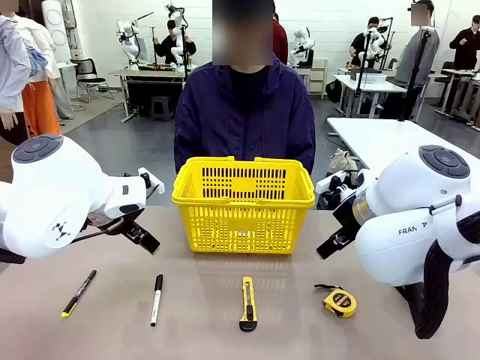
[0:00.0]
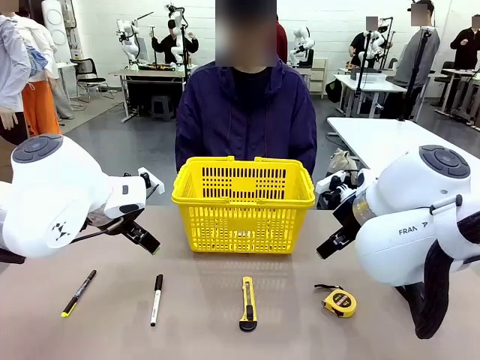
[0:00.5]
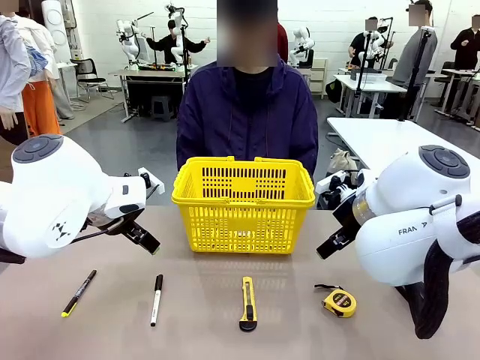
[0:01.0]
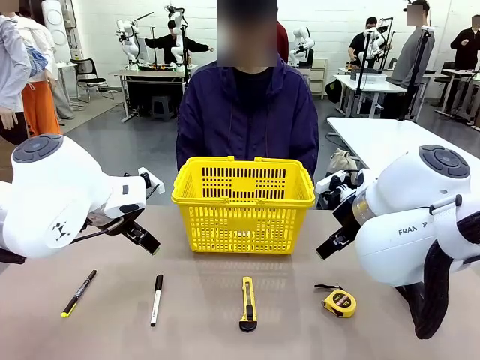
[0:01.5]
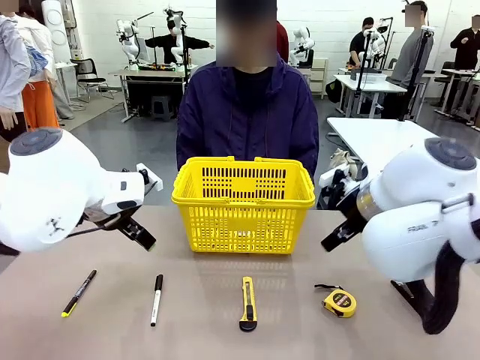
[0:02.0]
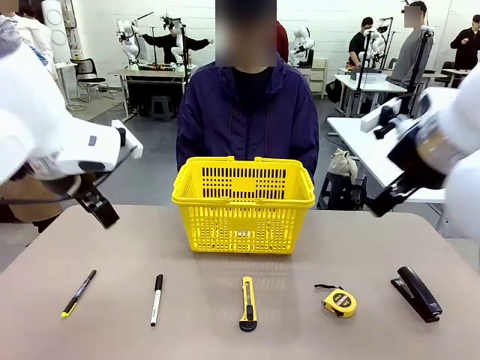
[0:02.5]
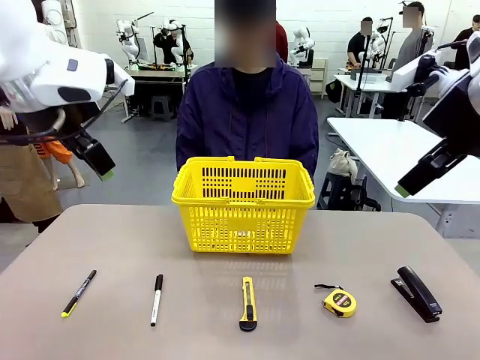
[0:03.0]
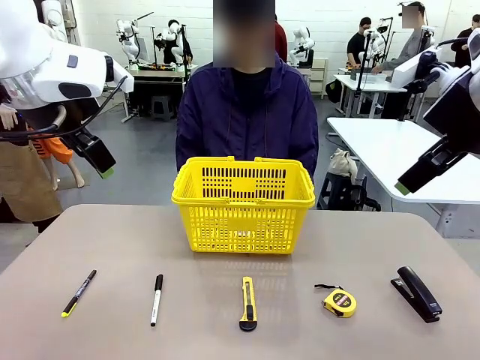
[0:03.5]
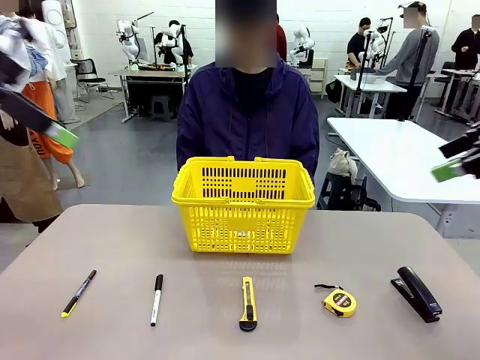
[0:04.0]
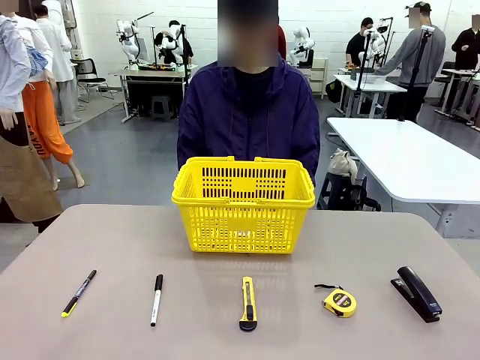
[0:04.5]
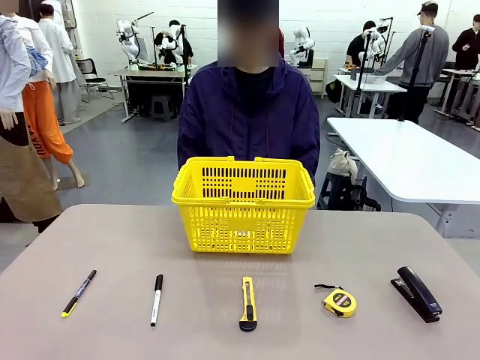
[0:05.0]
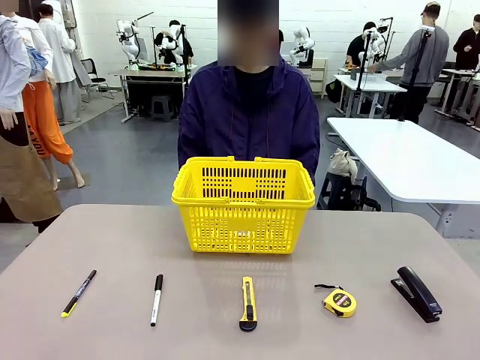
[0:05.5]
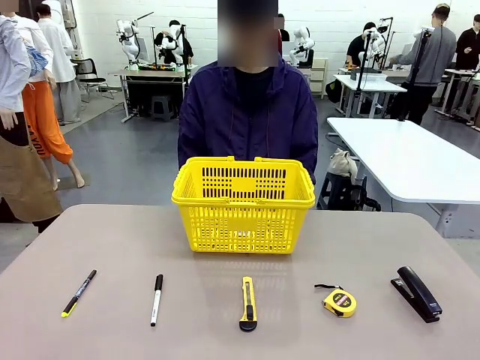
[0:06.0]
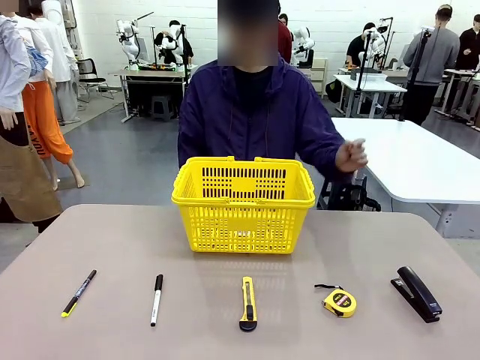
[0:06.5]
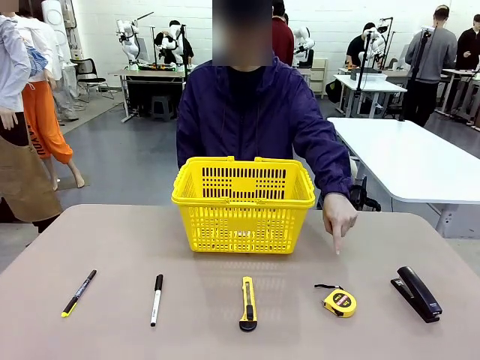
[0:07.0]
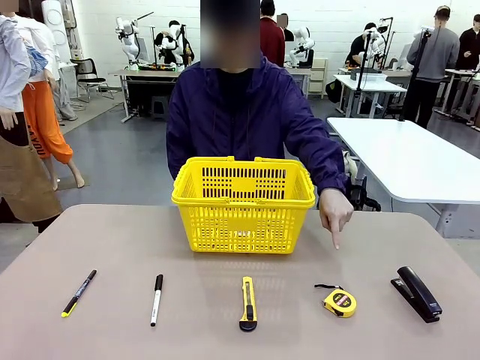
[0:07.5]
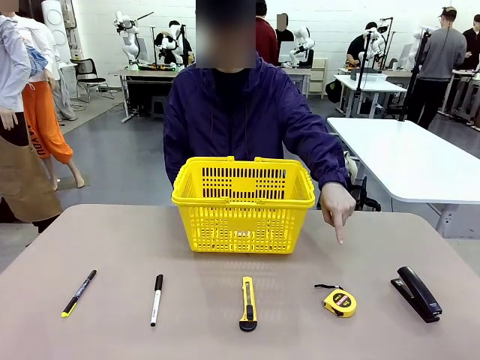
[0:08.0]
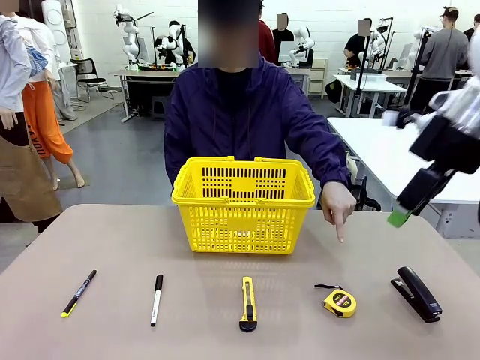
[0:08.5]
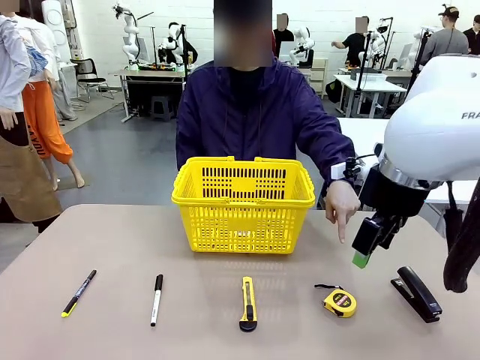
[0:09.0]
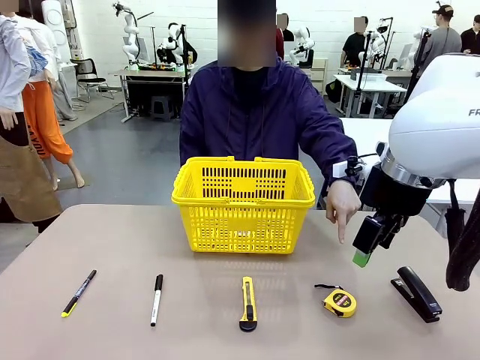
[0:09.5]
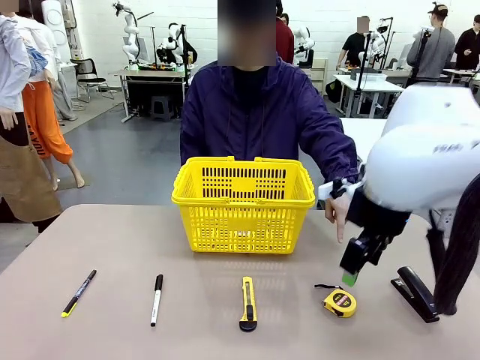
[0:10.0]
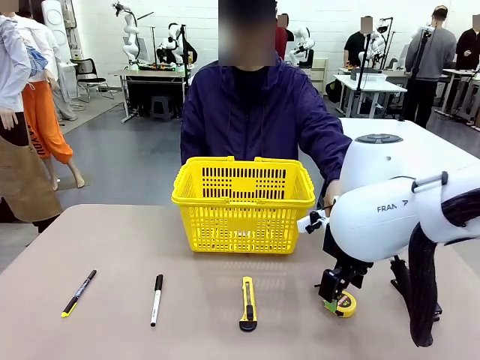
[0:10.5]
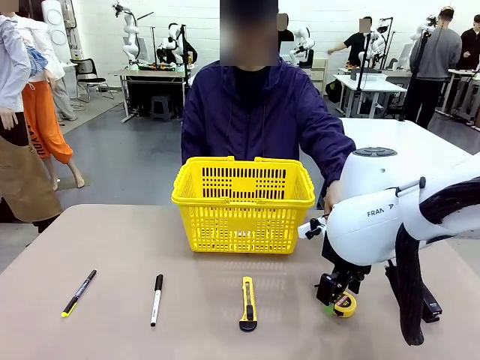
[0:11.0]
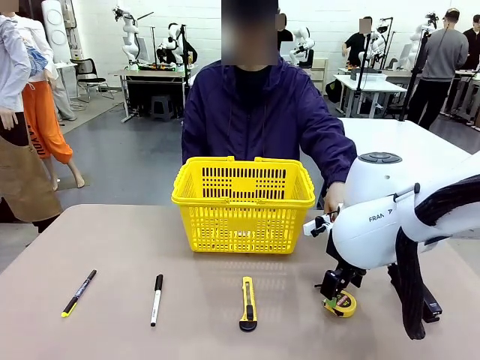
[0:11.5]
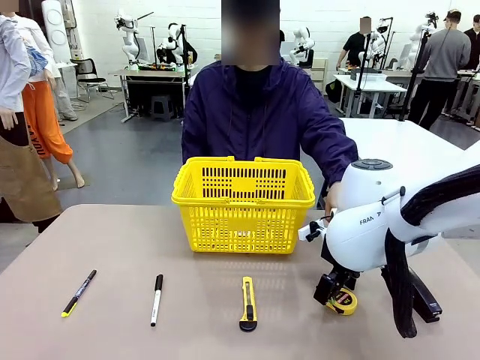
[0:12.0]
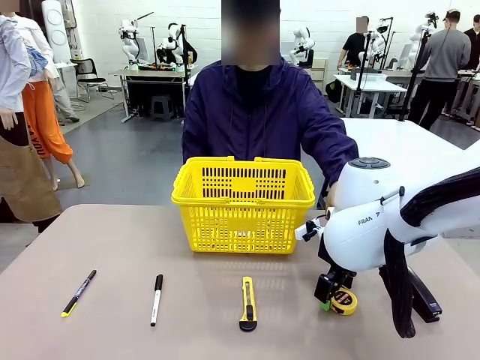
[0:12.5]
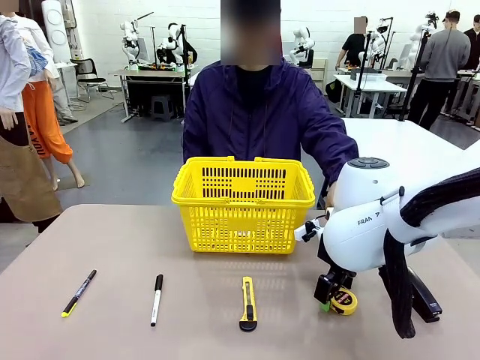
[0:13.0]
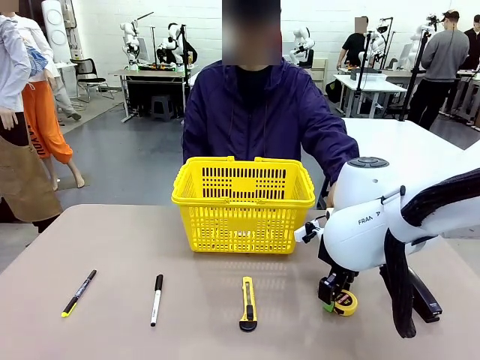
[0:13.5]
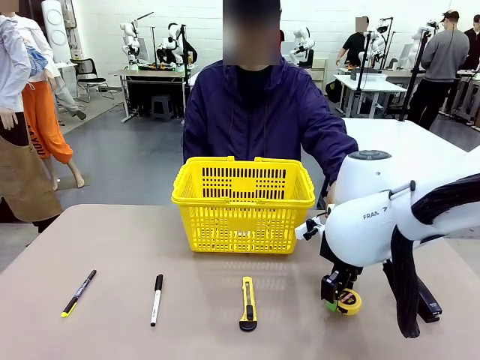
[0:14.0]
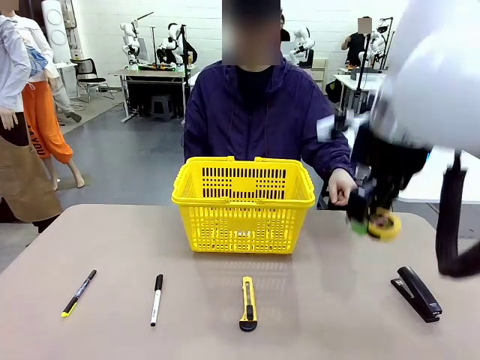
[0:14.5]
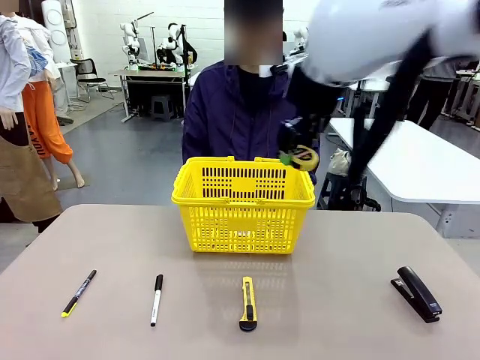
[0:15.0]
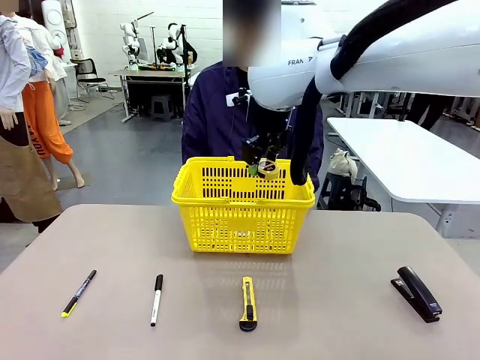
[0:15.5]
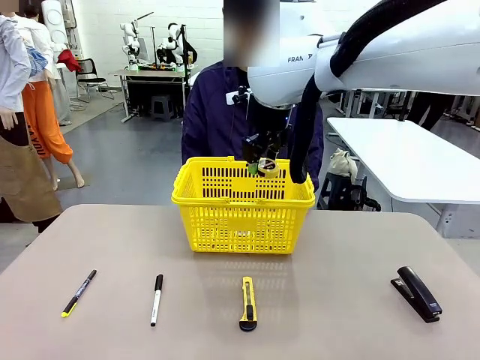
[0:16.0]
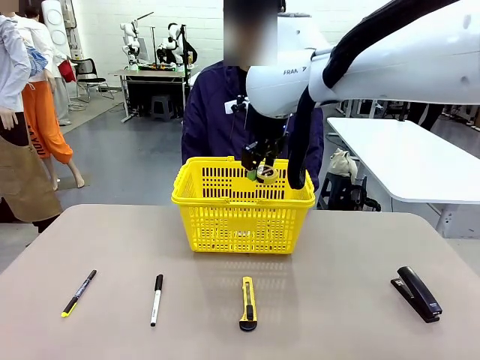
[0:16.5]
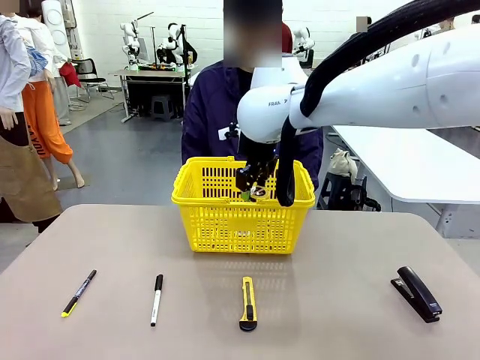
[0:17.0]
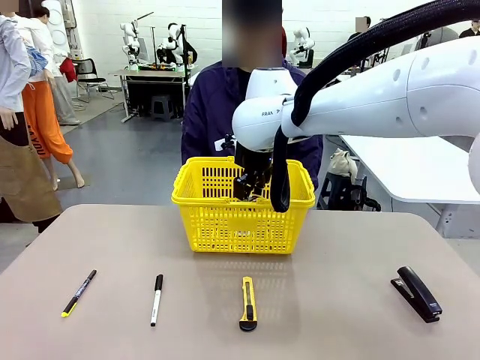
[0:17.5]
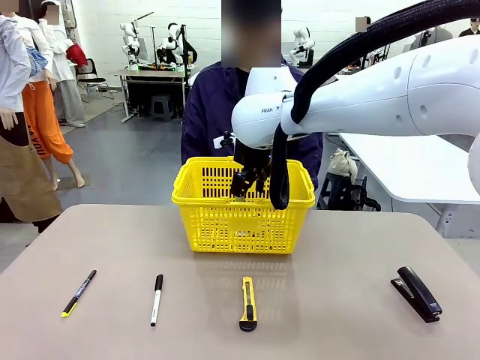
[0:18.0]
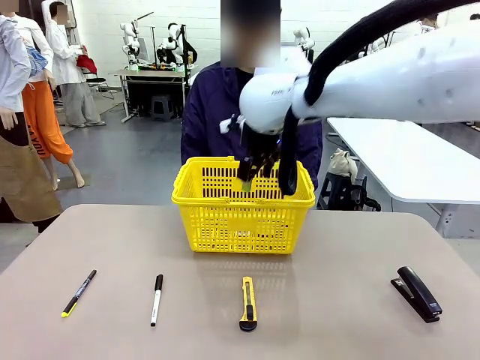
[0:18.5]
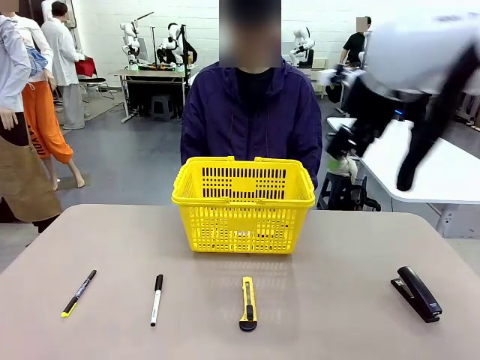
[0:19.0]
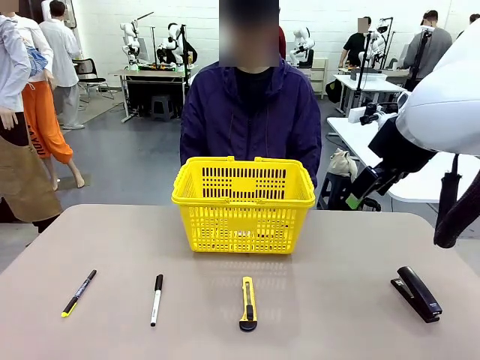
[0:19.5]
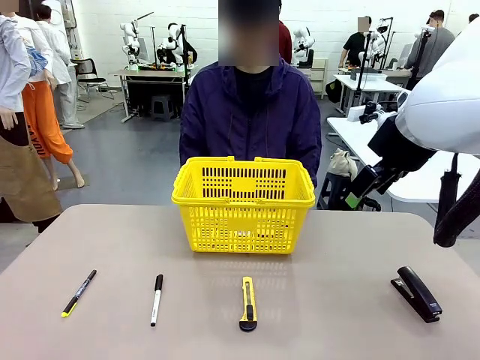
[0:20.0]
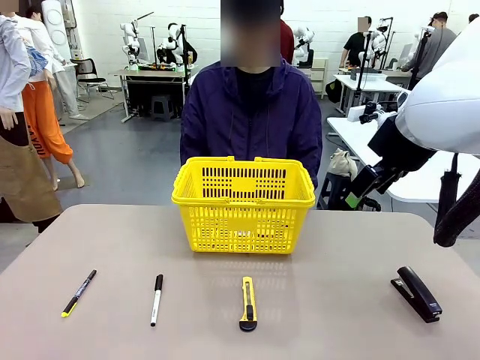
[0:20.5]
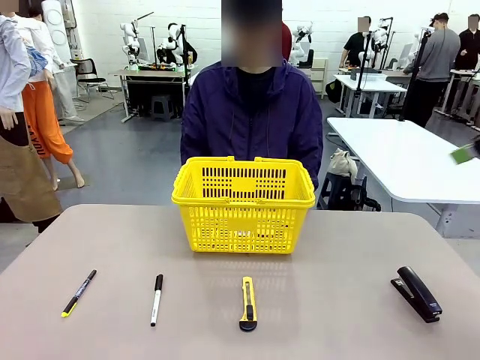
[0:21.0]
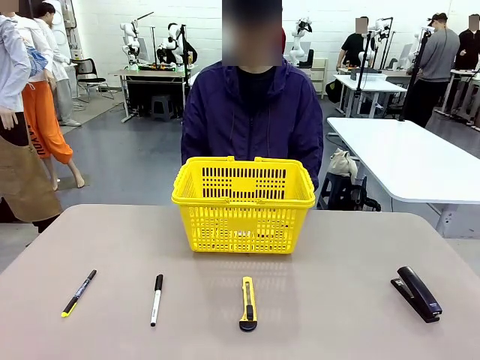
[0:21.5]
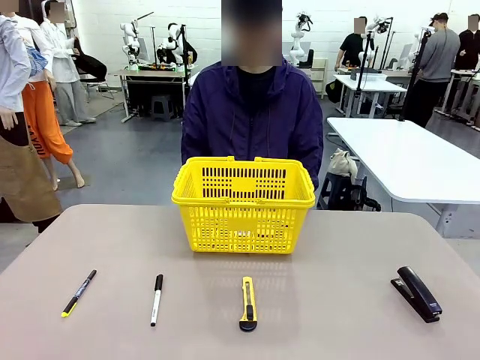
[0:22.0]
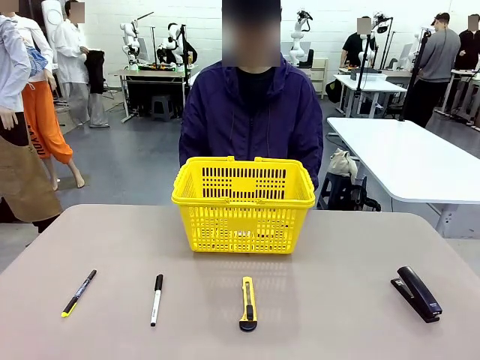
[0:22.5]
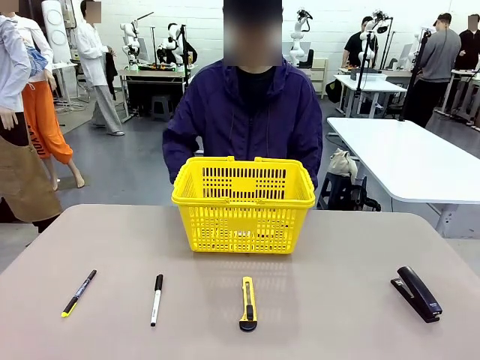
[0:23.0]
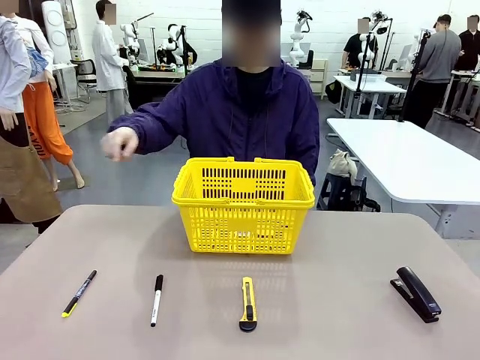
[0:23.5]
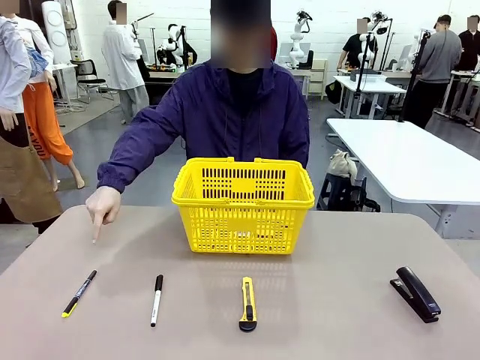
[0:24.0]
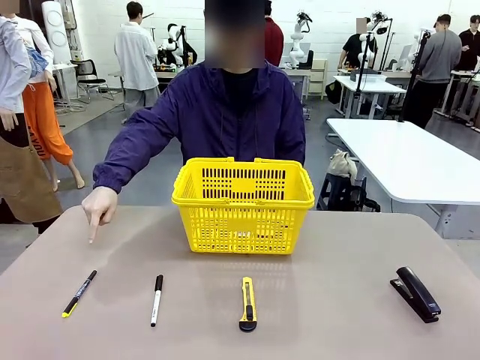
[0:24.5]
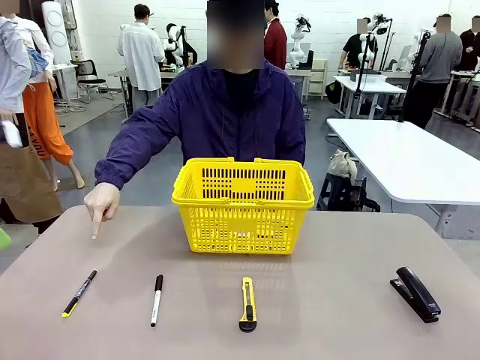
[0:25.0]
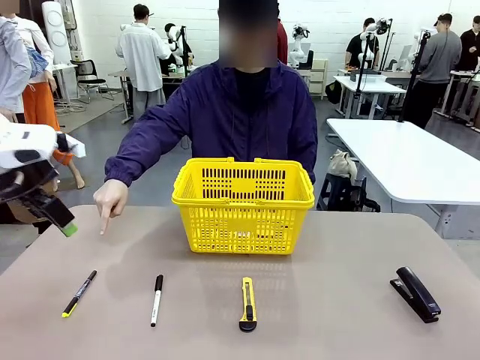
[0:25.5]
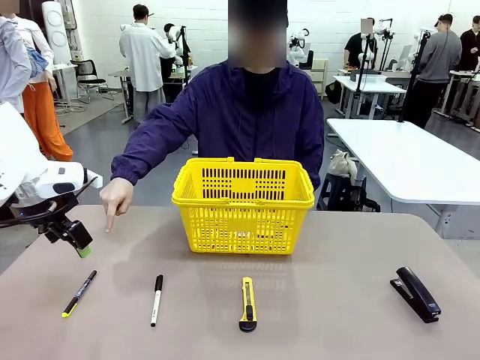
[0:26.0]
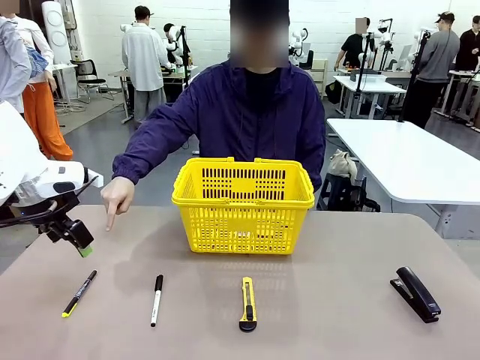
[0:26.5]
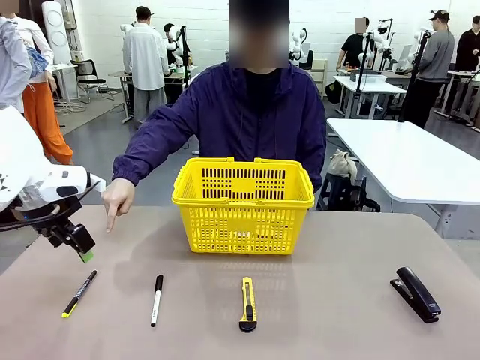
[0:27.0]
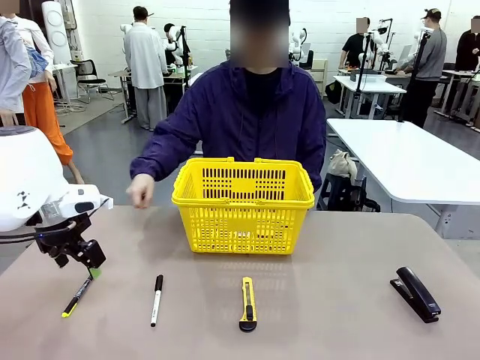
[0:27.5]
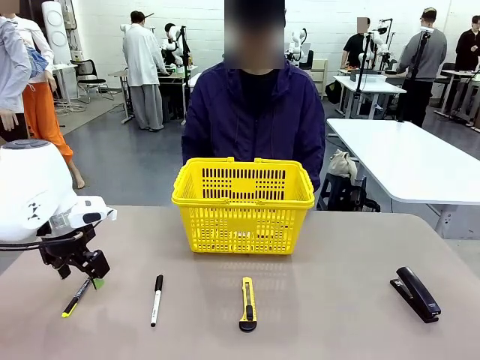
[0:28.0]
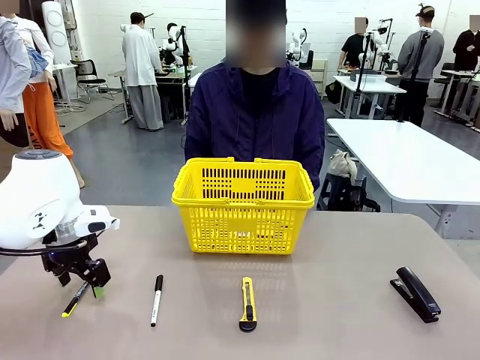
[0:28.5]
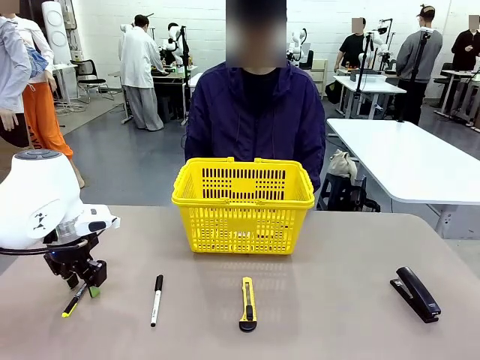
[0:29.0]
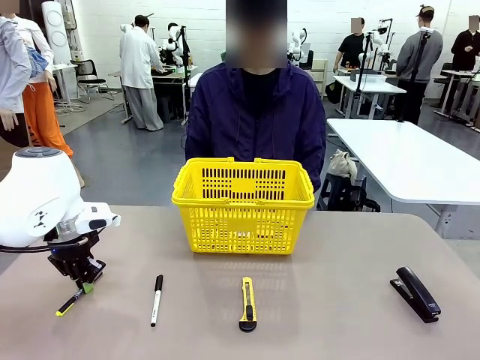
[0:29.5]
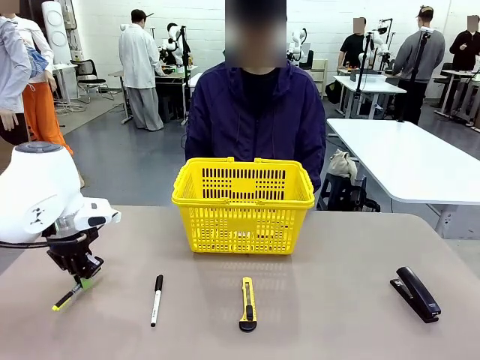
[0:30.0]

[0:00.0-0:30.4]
Task: Place the items the person wants into the basket.
Robot: Pick up the item the person points to and place it in the Market Basket.
